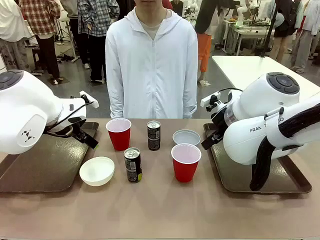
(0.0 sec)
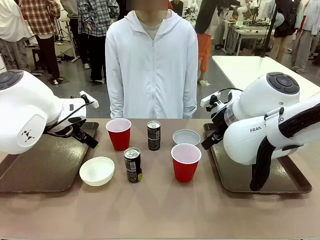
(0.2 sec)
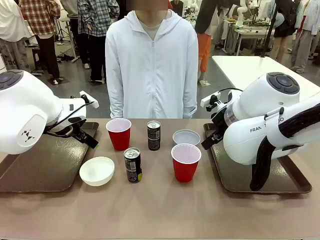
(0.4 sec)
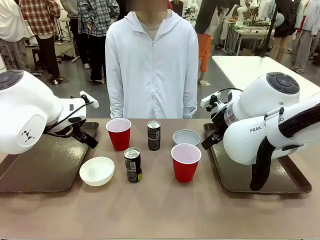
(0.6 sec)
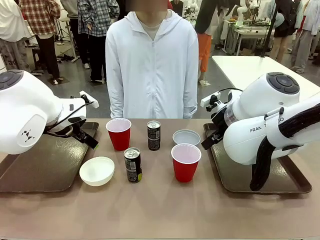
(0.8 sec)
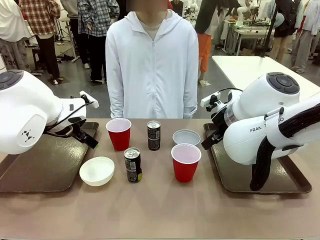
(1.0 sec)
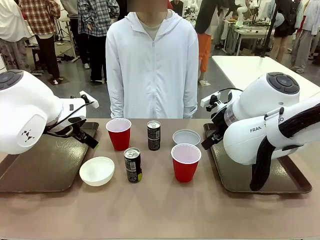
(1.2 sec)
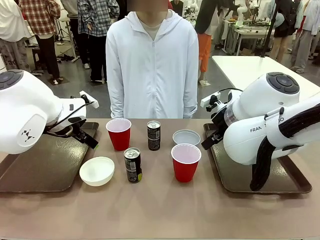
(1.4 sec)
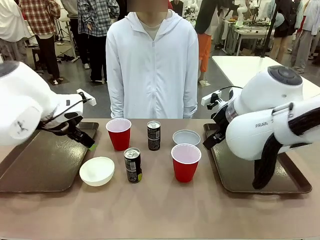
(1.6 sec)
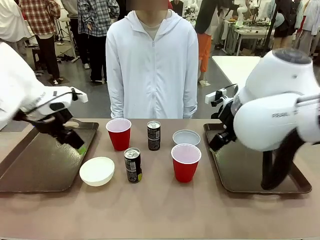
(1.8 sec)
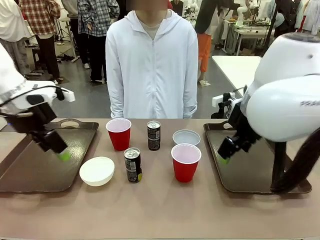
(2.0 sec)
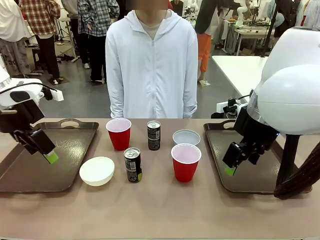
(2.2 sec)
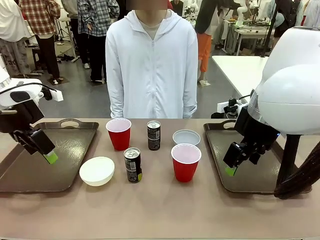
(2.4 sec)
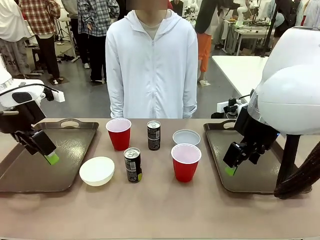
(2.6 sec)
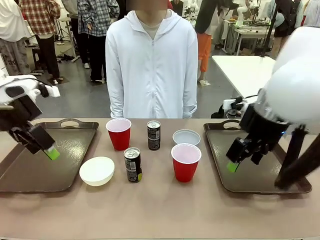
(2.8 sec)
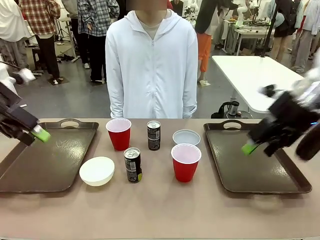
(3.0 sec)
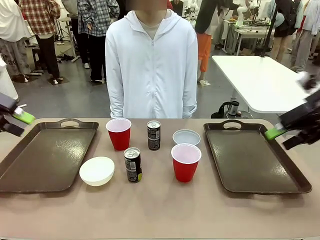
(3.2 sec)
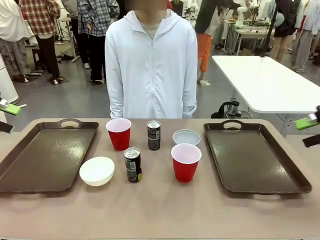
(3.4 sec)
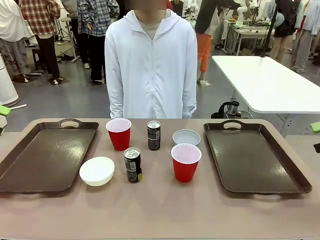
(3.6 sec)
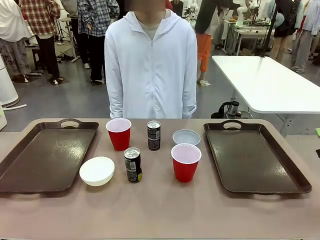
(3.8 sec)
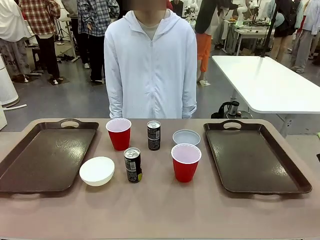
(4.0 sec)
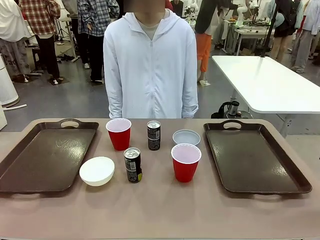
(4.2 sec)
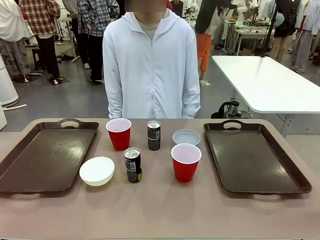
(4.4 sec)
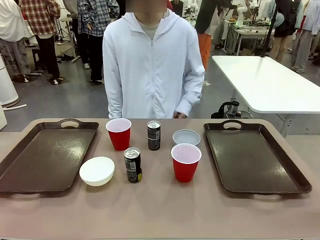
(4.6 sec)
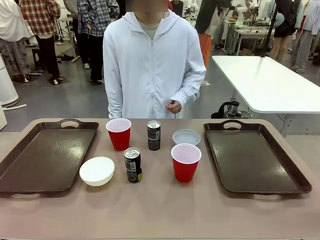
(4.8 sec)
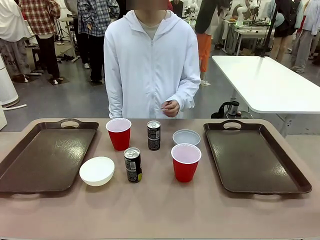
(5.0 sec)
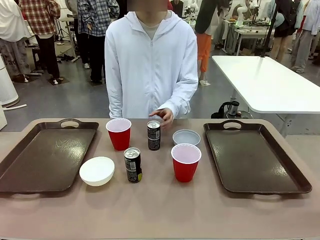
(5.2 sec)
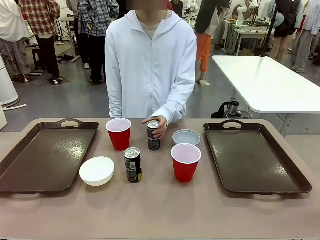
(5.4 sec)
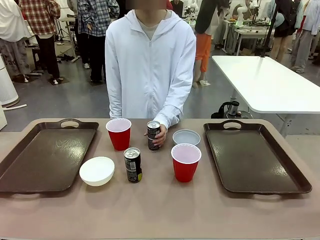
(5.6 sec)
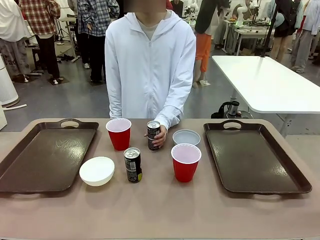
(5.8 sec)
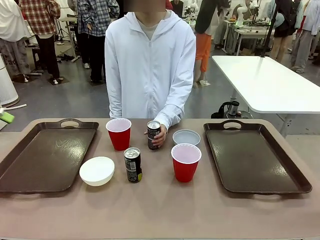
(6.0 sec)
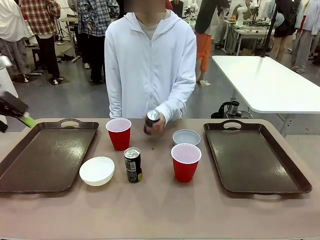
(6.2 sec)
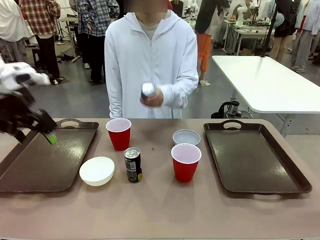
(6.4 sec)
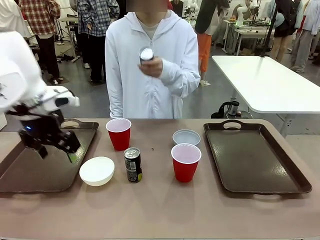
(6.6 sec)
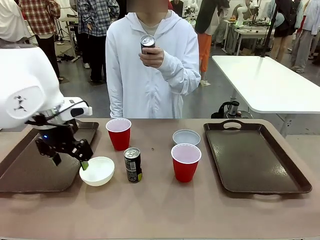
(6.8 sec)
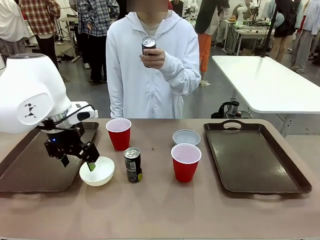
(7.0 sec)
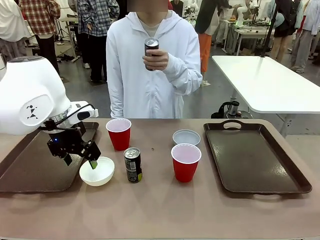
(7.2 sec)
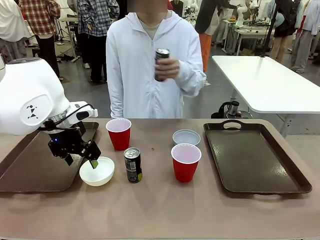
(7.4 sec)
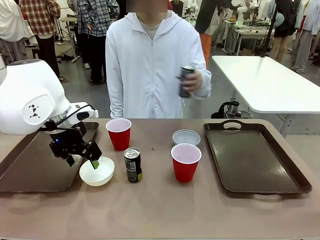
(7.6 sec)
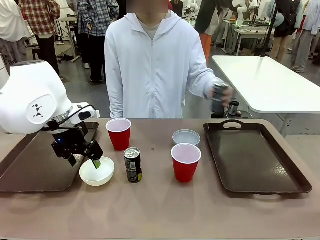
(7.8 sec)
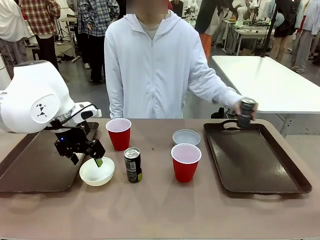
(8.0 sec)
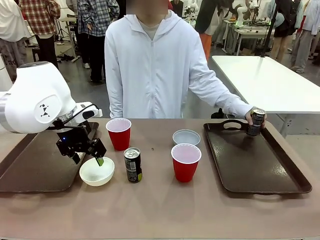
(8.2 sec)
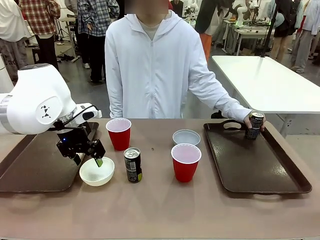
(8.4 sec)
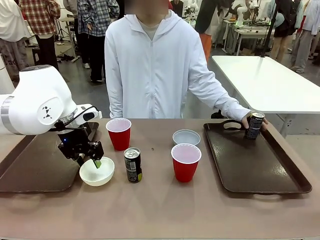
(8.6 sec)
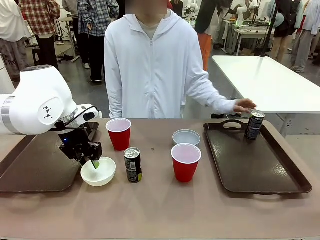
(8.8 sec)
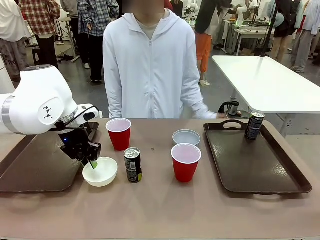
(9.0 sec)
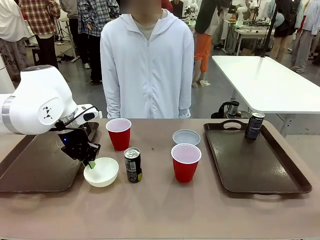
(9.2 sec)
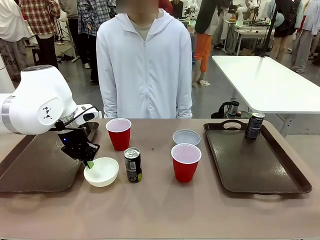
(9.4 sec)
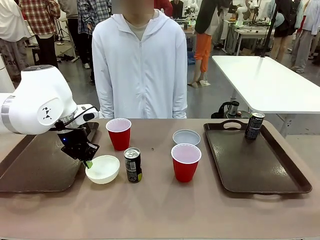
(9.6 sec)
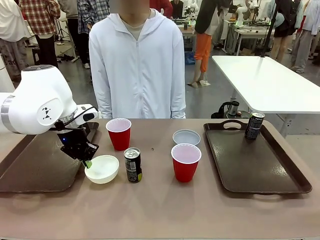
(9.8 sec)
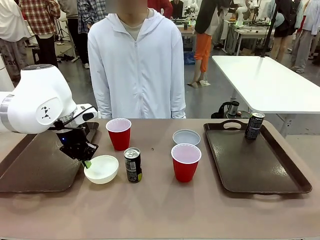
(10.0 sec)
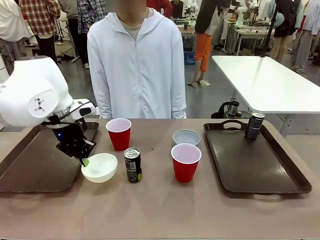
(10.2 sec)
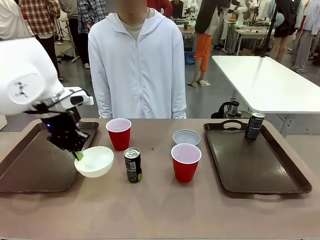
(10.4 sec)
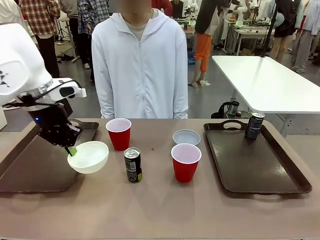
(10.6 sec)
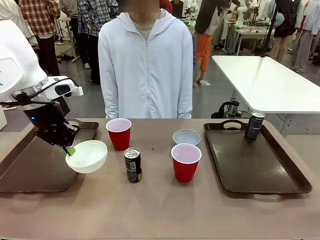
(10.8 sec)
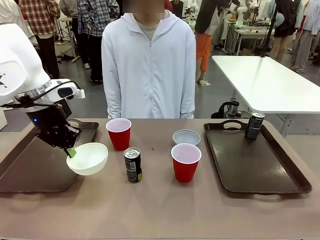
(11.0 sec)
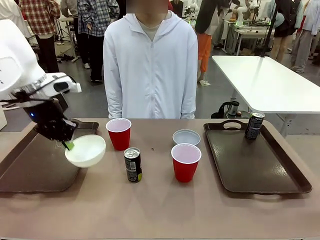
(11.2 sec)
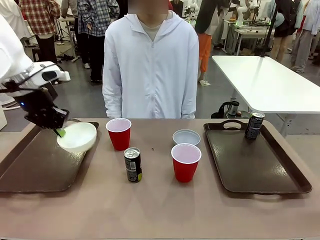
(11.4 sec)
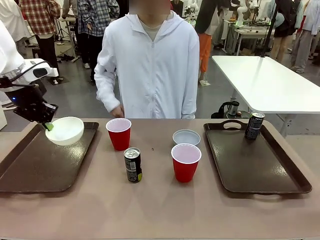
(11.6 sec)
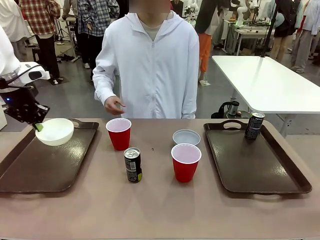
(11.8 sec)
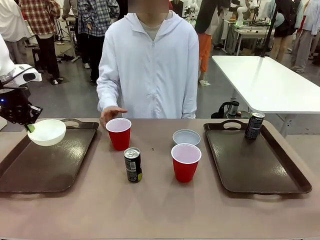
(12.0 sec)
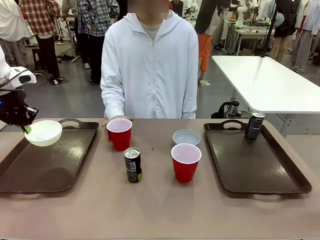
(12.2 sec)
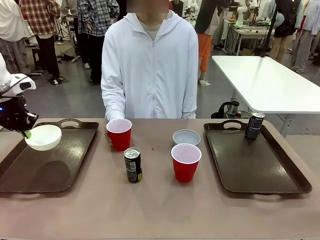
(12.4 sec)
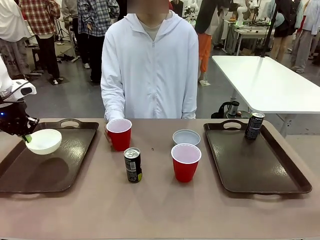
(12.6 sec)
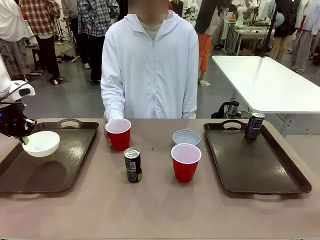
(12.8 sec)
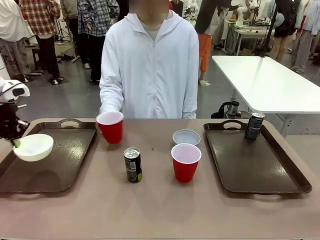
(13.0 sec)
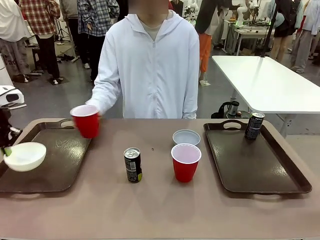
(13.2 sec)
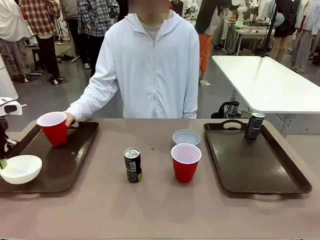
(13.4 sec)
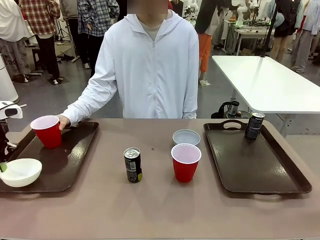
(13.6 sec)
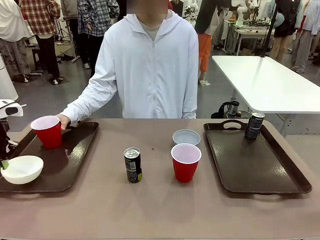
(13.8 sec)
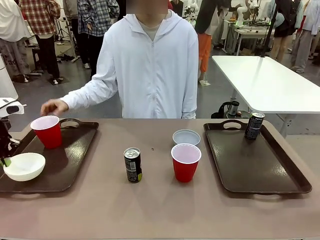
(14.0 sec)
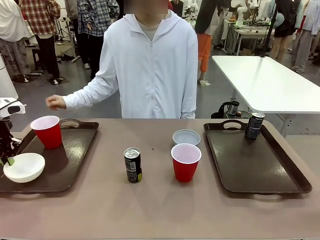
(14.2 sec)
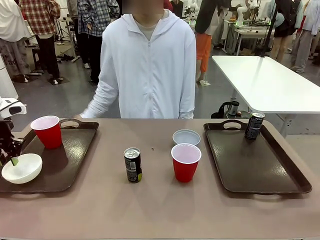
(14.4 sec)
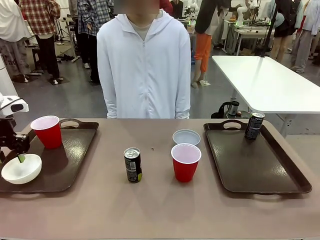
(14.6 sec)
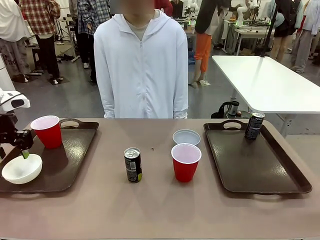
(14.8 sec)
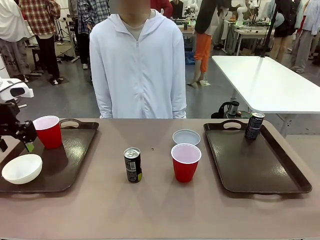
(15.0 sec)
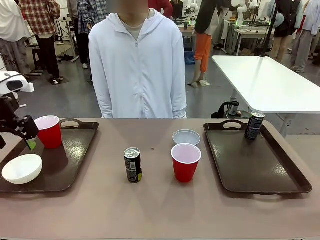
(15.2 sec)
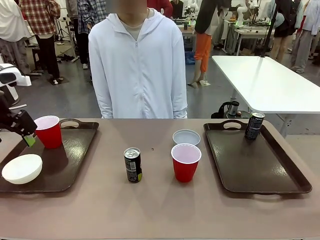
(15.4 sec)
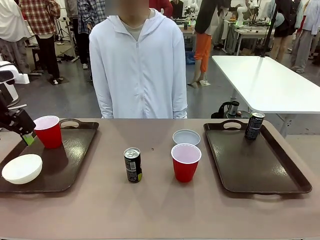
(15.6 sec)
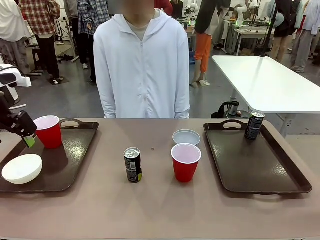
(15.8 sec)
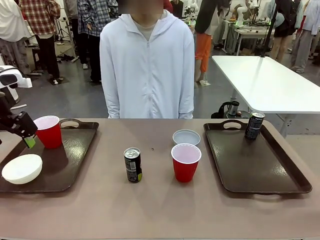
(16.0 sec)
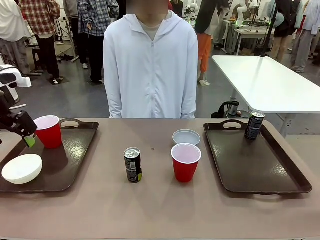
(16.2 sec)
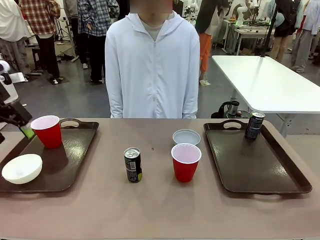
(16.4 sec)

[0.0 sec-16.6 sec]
Task: Prepare tableware on both trays.
Robot: Pick up a Picnic Bowl from the table and place it on a Handle tray.
Person: Pick up a can or cup and place it on the tray.
